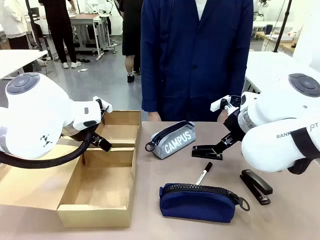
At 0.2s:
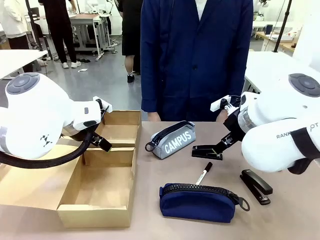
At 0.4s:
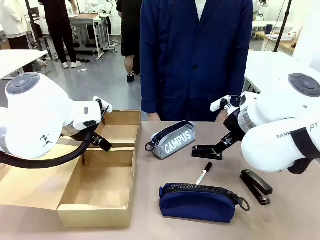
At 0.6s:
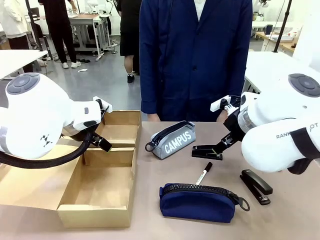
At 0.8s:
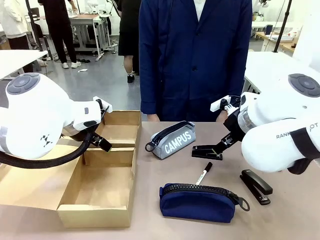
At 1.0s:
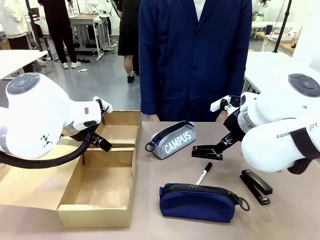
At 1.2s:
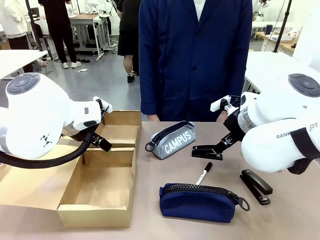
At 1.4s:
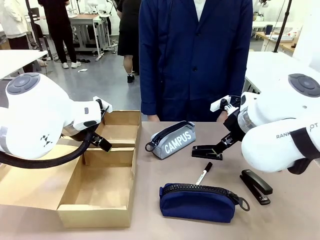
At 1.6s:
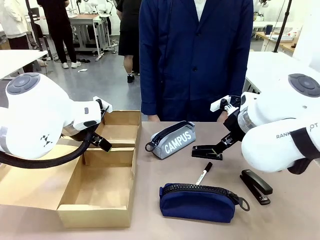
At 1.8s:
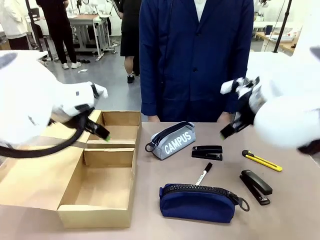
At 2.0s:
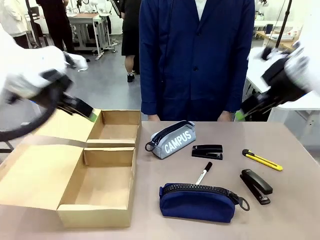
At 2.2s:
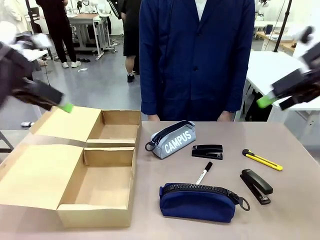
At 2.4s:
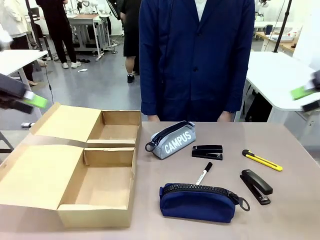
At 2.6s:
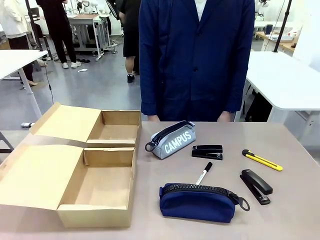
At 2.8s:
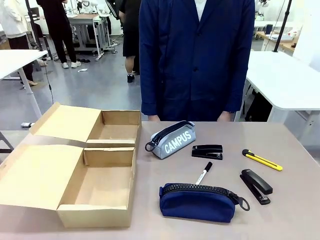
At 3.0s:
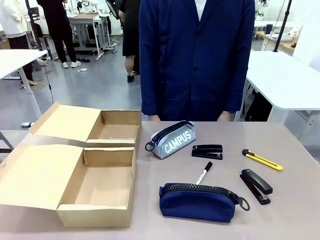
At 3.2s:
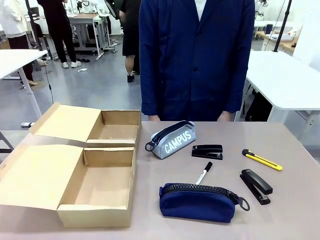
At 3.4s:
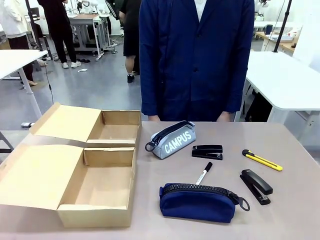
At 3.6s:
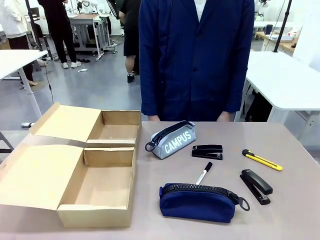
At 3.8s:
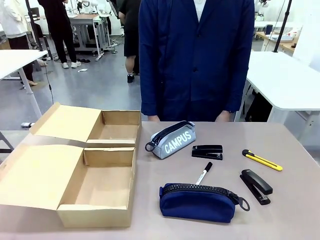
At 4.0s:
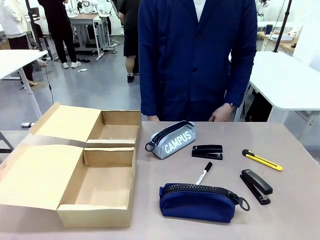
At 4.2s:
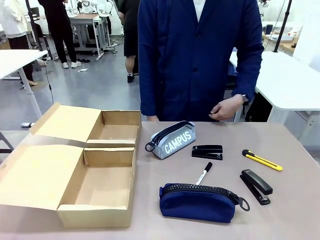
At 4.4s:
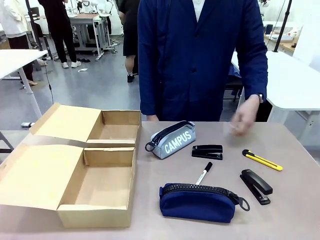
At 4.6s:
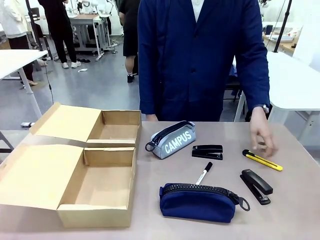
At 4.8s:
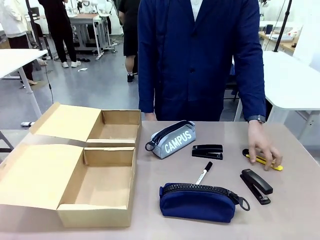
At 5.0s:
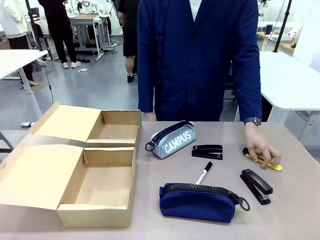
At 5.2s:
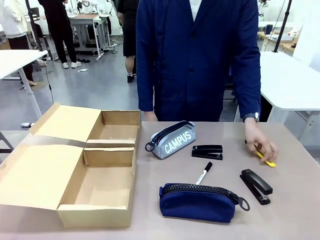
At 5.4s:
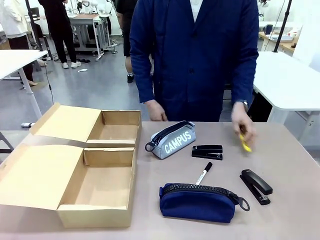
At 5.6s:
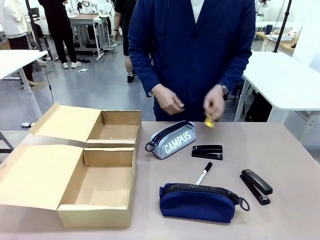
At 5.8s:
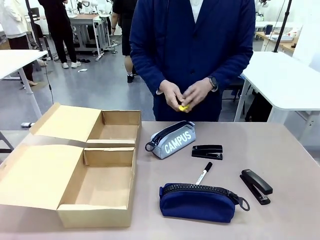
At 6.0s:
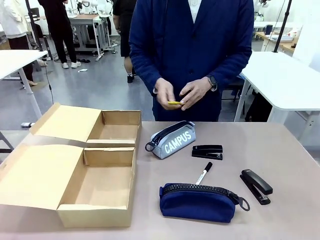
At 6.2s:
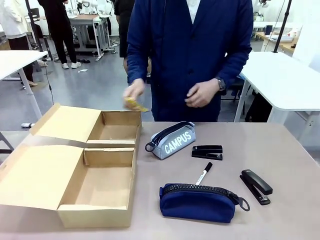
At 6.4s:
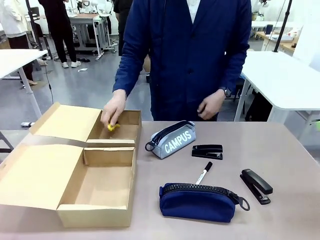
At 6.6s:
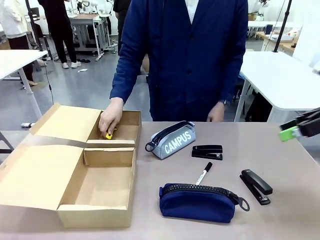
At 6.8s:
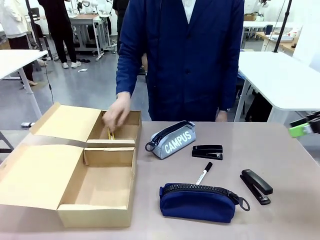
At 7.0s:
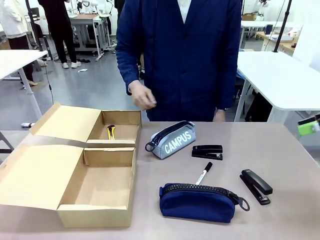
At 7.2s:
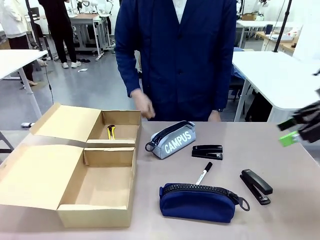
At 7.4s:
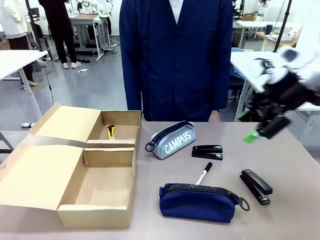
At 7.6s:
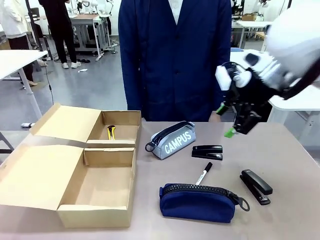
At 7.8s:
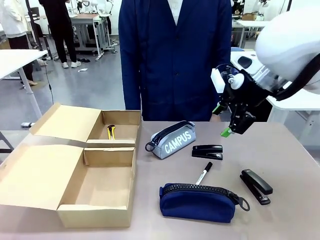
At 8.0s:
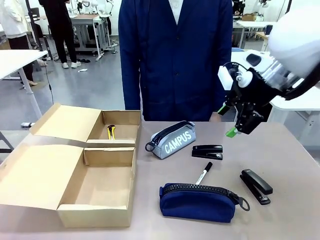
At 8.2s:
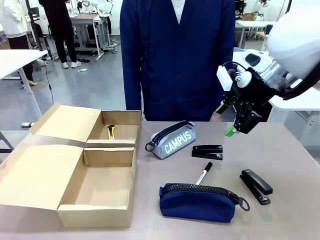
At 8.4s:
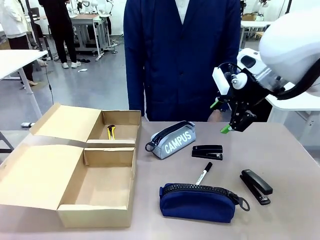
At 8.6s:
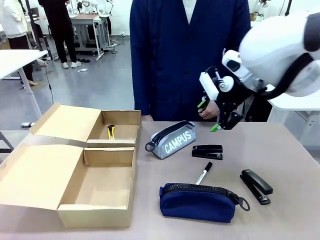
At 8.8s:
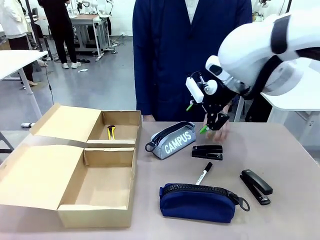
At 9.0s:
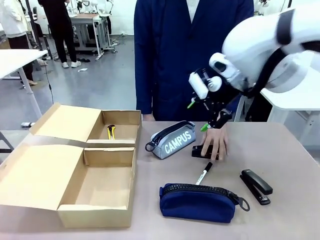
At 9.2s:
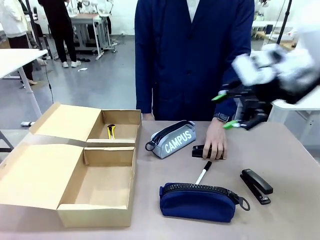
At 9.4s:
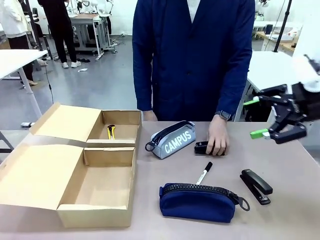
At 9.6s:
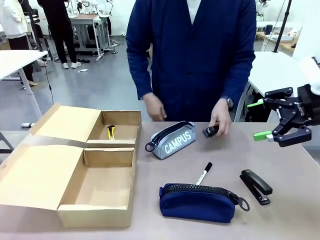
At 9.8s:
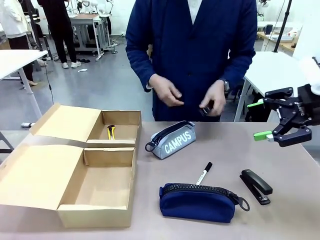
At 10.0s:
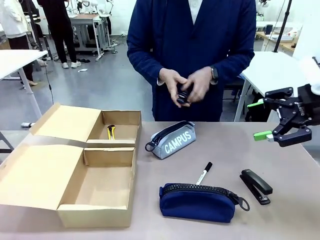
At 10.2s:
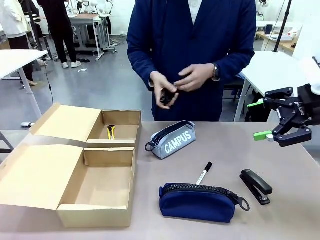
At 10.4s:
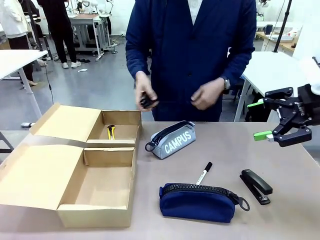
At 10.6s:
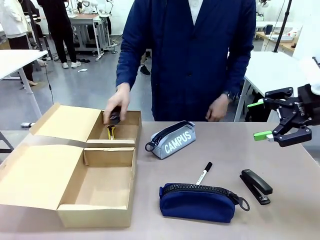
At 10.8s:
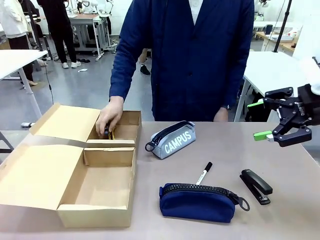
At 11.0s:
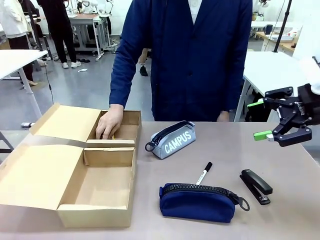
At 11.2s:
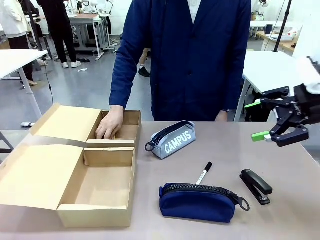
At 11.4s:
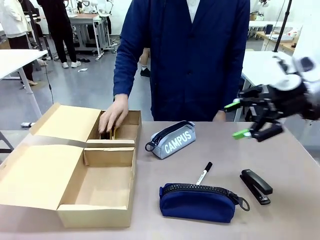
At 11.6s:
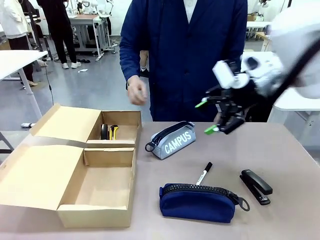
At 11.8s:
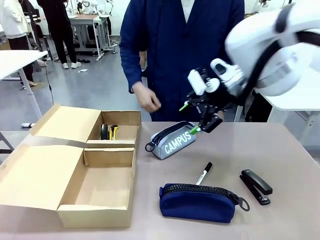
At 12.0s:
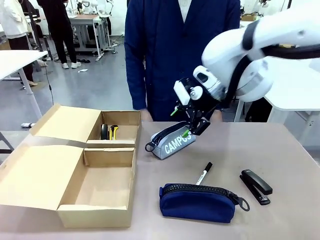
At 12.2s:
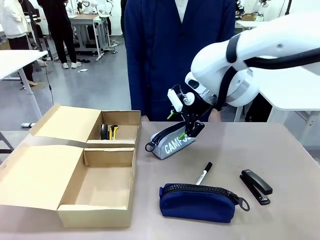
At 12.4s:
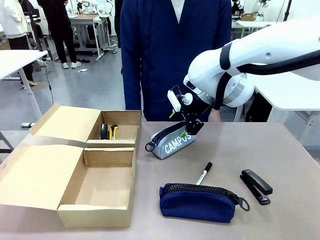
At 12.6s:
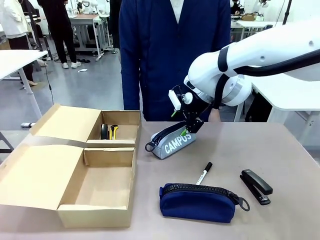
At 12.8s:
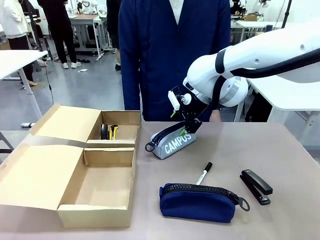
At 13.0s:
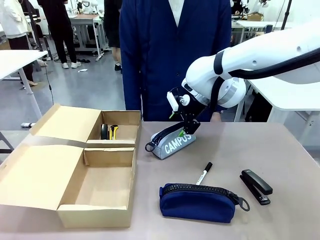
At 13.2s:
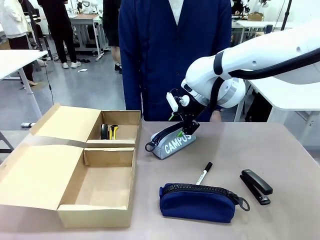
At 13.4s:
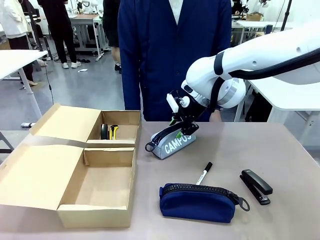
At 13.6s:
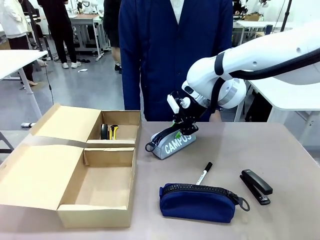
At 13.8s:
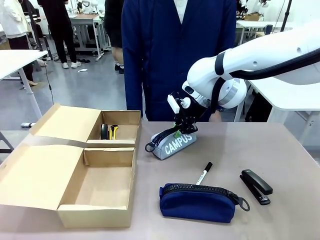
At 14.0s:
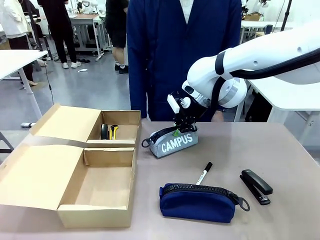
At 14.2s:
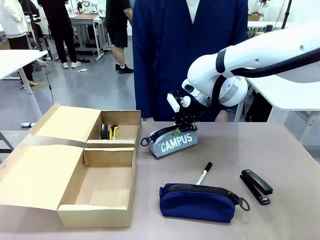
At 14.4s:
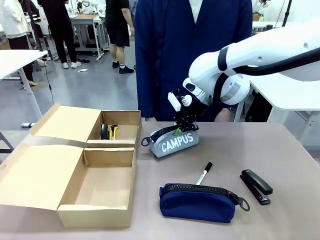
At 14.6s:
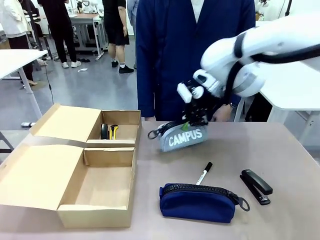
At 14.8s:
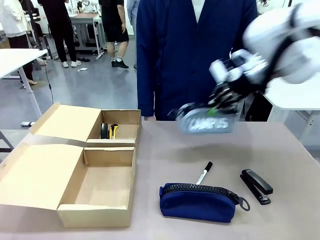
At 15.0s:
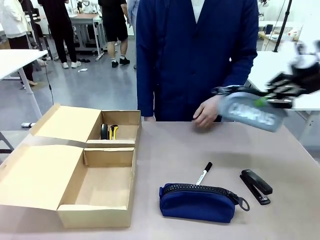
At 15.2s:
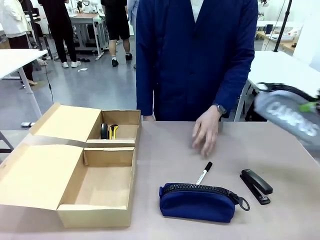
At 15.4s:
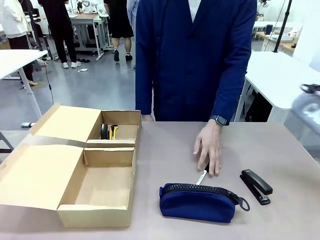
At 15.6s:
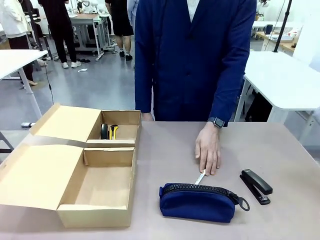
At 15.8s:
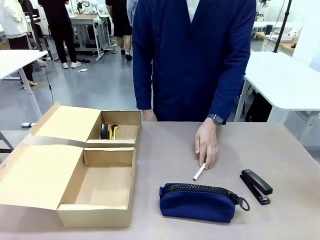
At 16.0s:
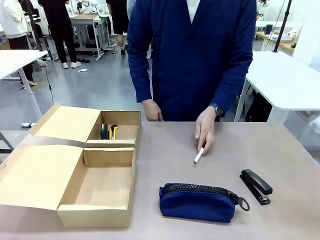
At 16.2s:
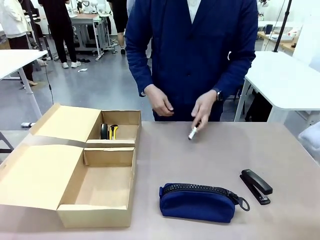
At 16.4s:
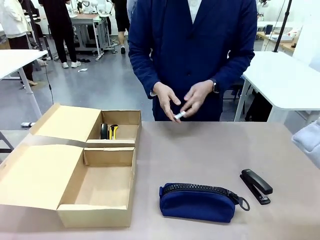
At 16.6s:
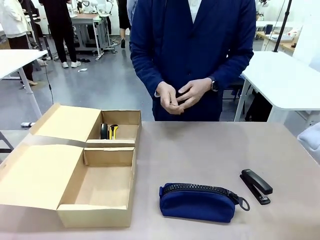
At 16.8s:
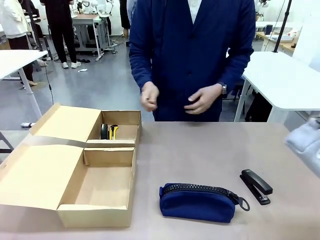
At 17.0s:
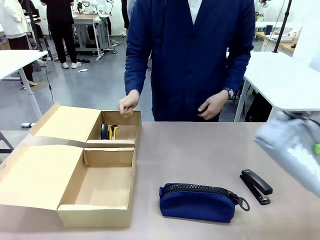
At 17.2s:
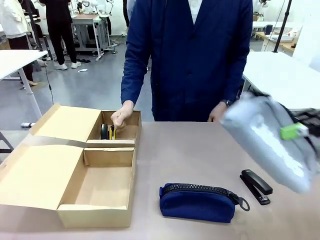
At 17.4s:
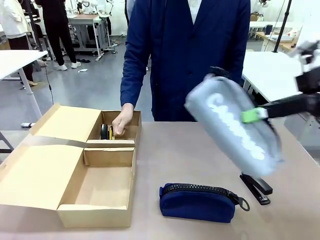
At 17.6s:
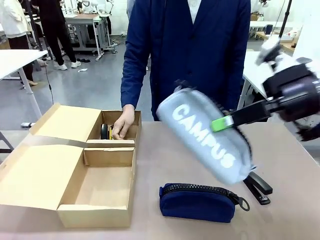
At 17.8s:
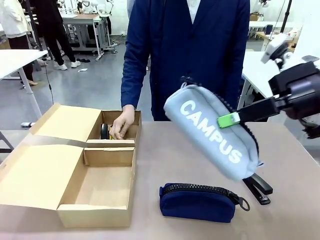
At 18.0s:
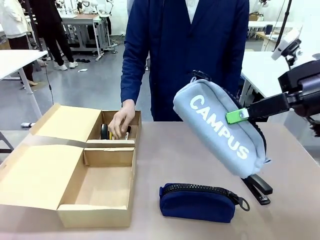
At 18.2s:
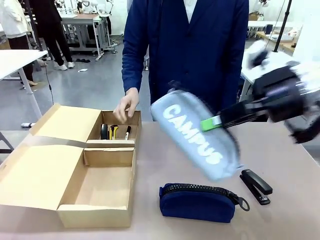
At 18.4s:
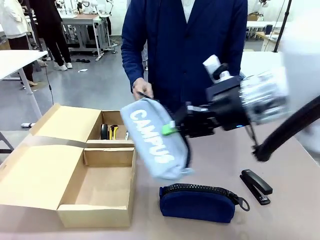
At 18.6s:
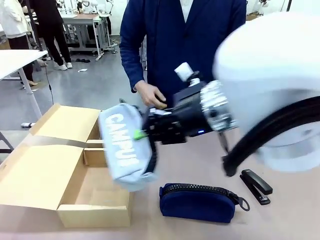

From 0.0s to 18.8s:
Task: Place items inside the box.
Robot: Pick up a Pencil pouch or Stapler and place it inside the Mailer Box closest to the robot.
Person: Pick up an object on the table and put it in the box.
